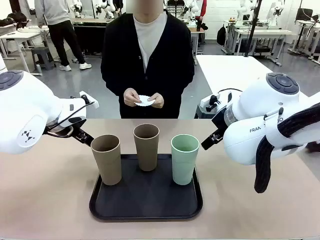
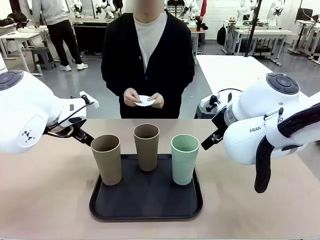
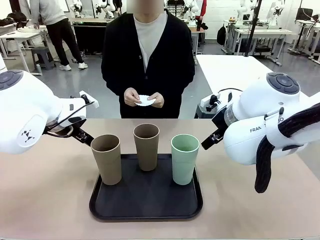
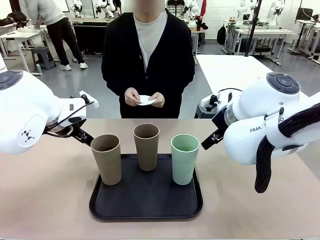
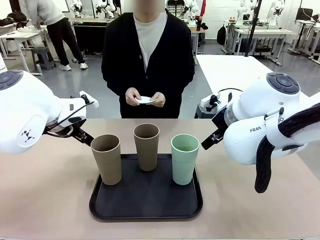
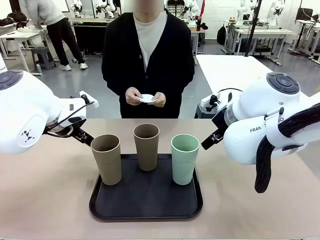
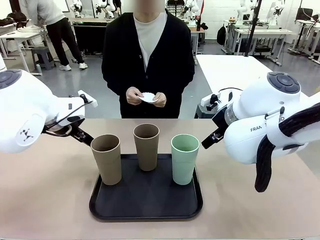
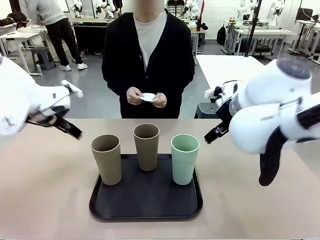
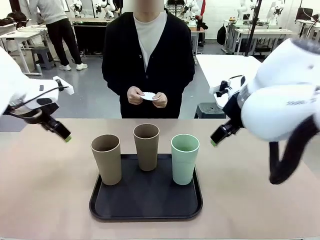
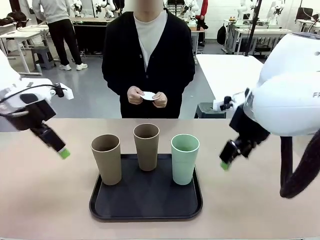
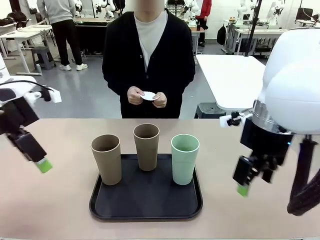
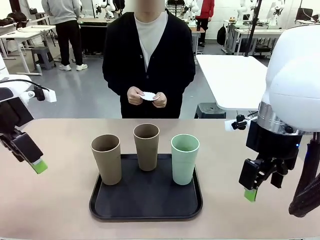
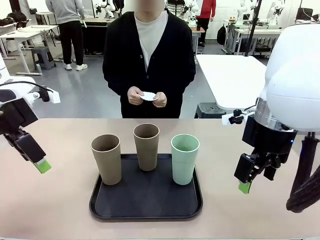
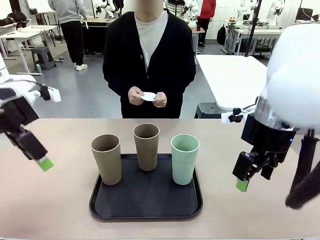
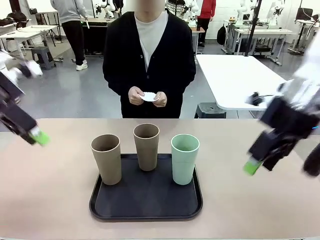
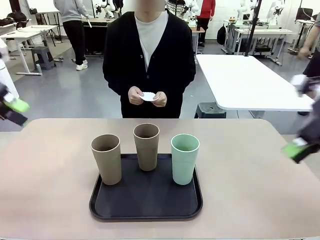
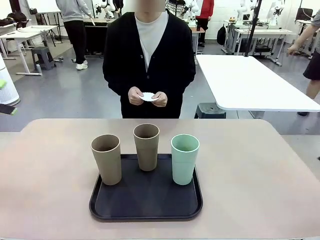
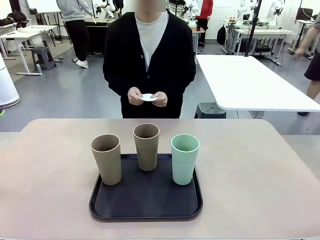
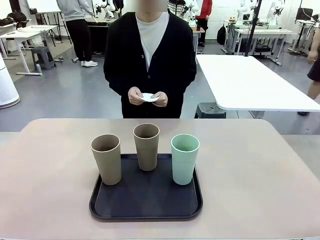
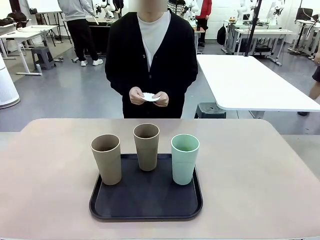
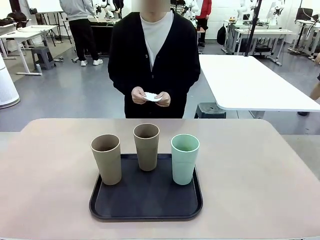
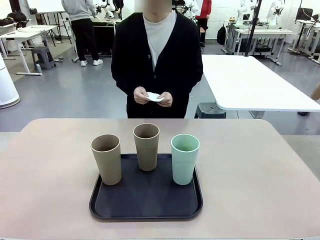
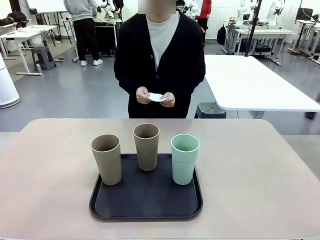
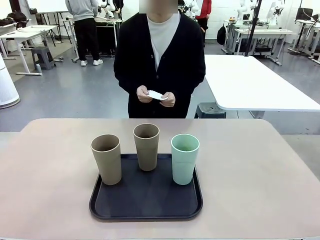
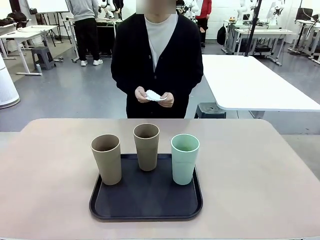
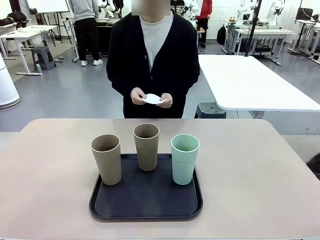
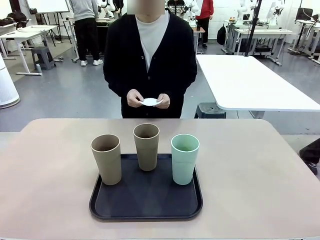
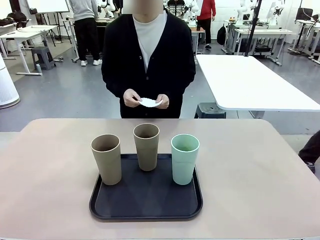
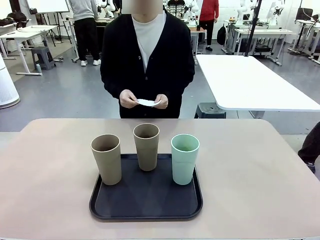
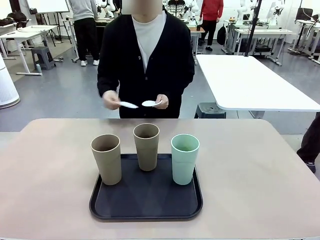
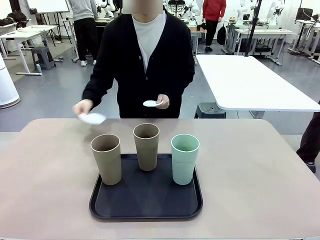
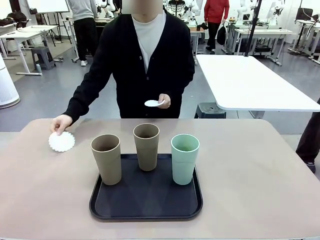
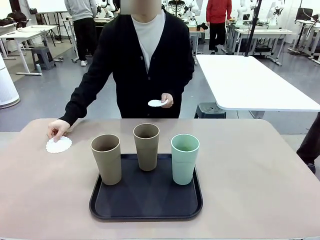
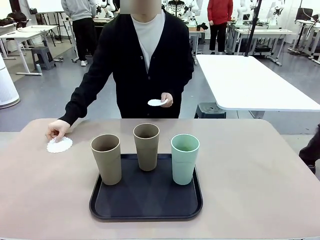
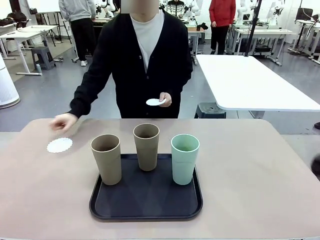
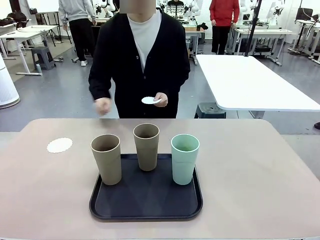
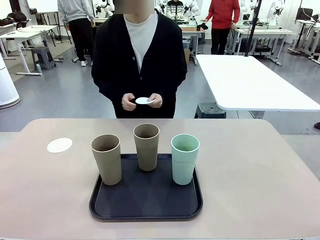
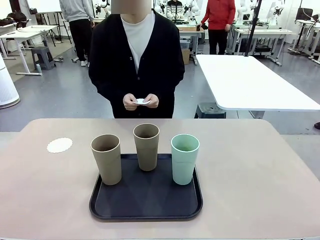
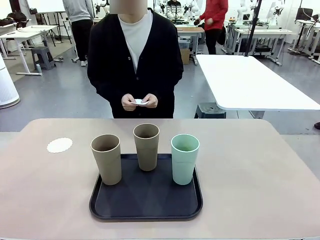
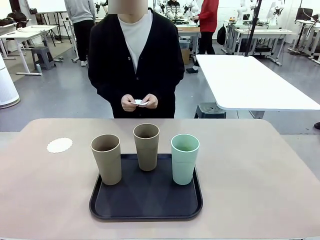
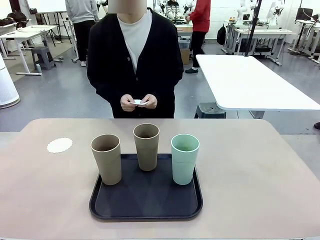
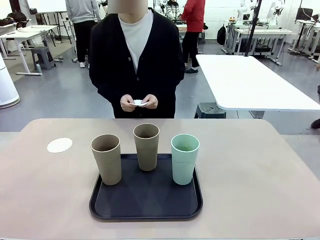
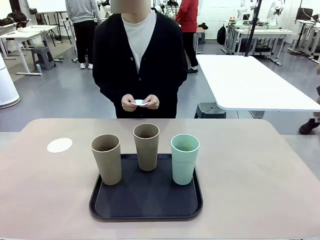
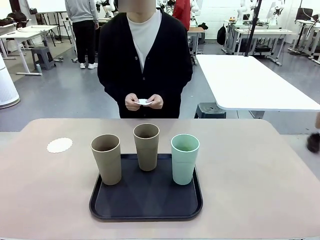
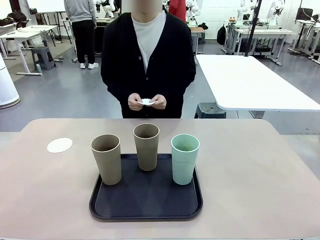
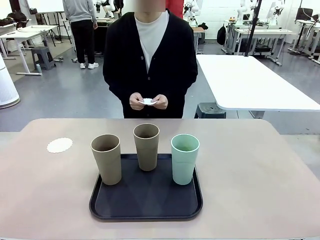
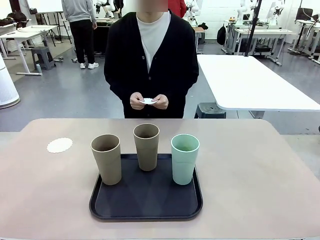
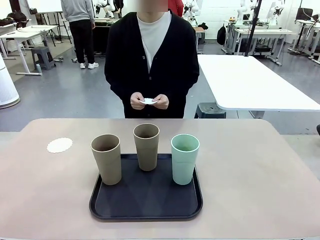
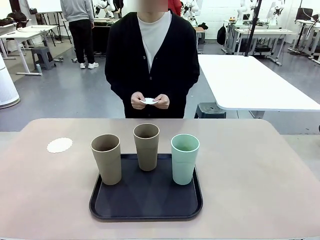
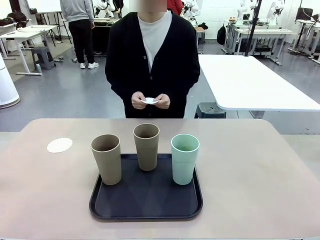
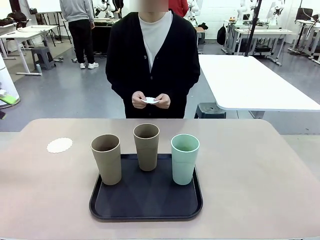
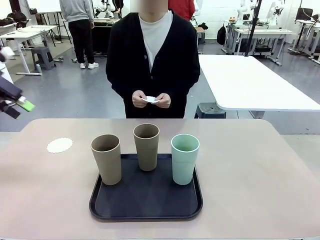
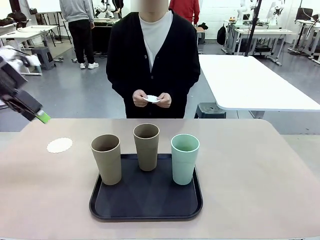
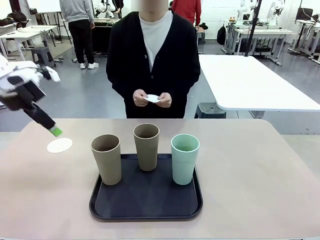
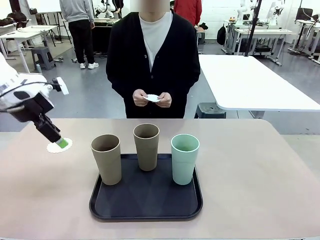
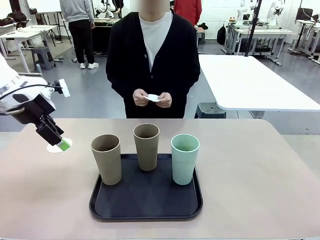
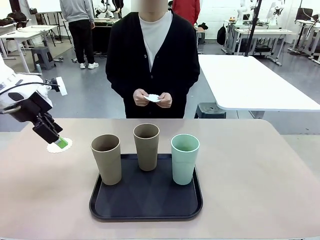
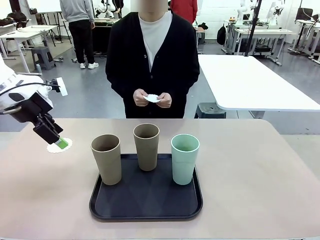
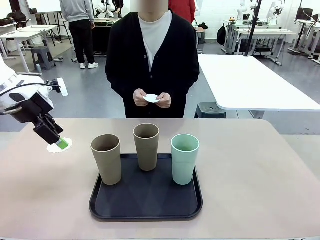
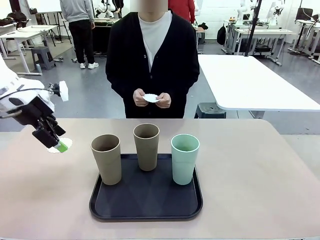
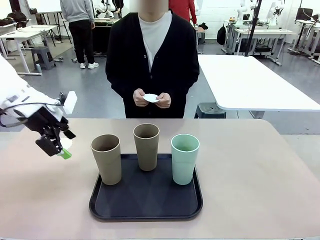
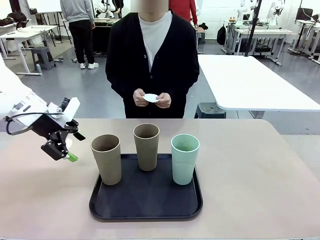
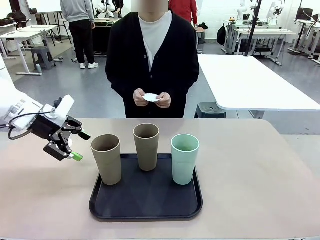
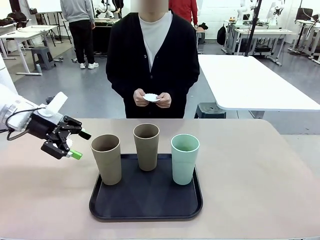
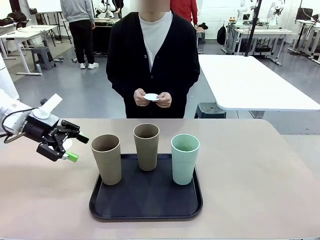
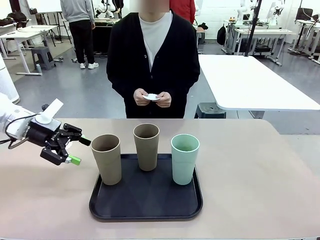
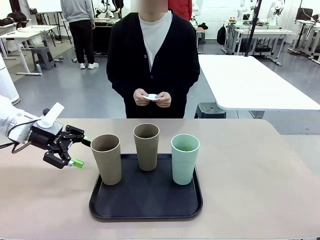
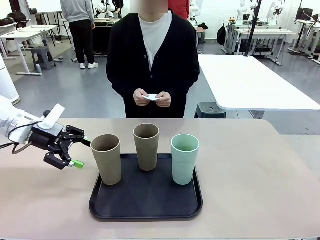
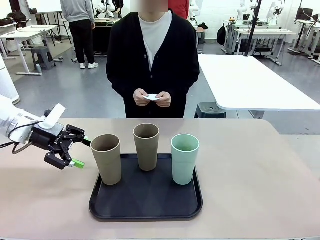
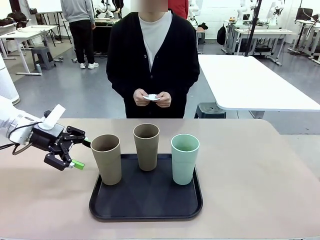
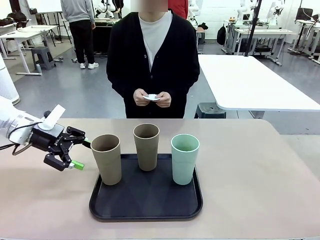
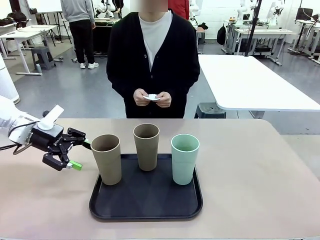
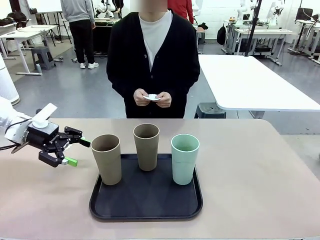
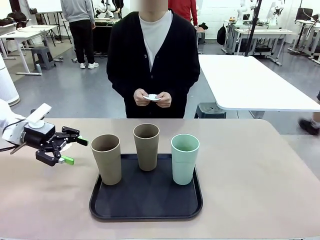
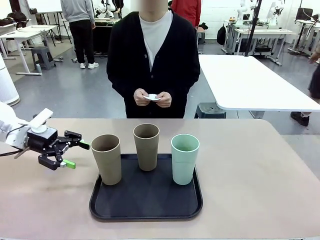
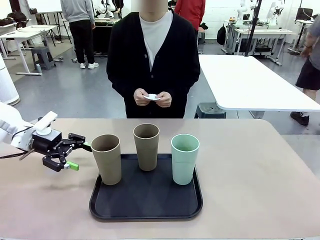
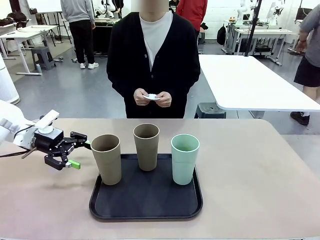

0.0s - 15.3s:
Task: Place coasters on the table and set cups on them.
Robot: Pick up one Reusable plastic cup and place it on a coaster set by the human.
Person: Place one coaster in any one of the three lower areas of the robot table (left, center, or right).

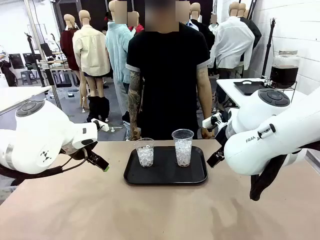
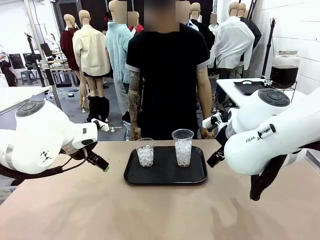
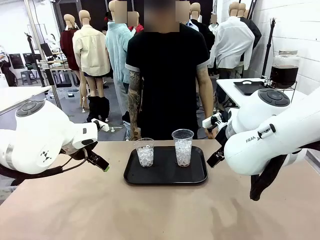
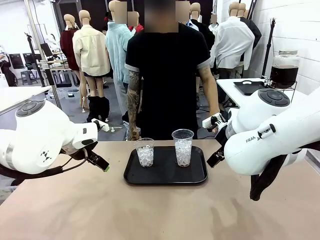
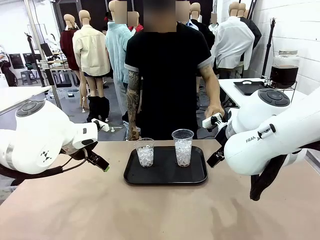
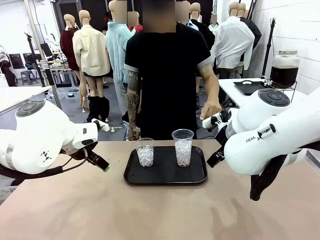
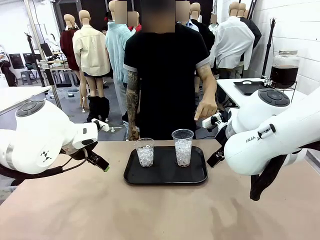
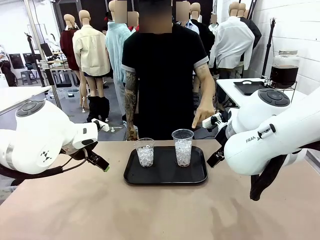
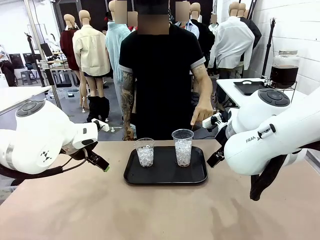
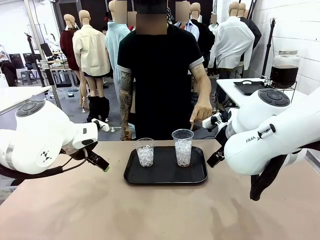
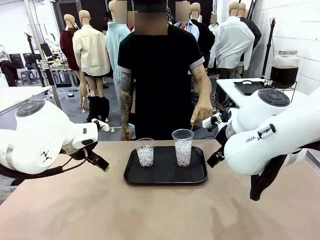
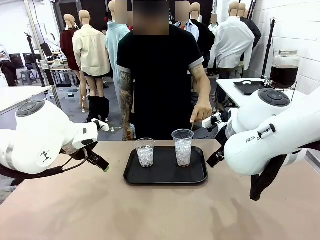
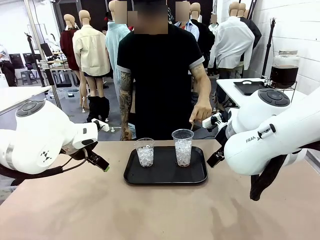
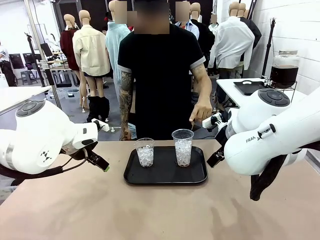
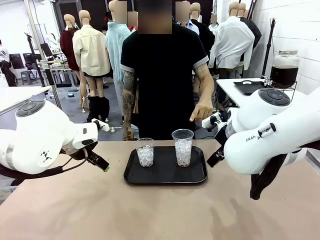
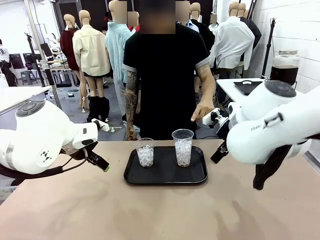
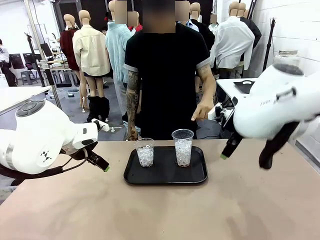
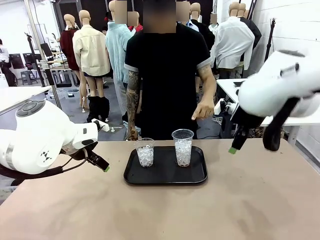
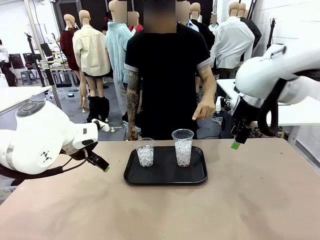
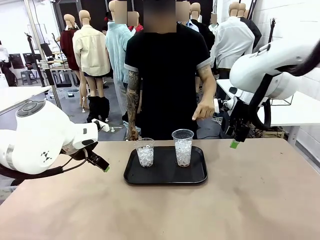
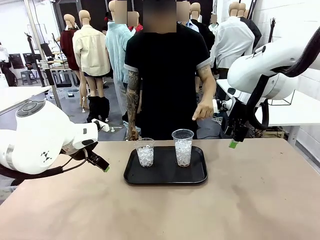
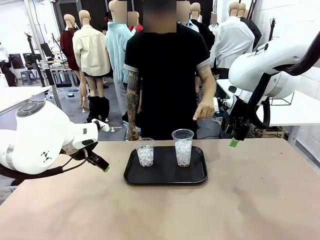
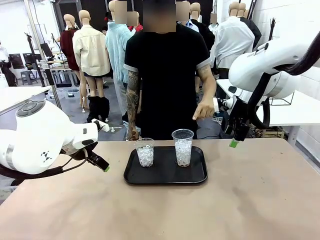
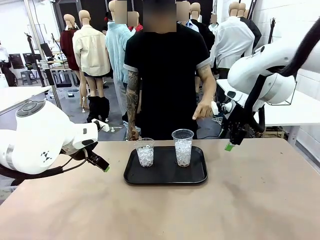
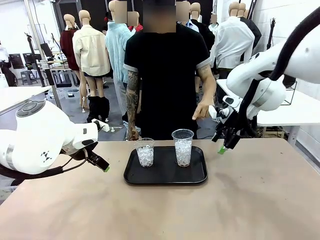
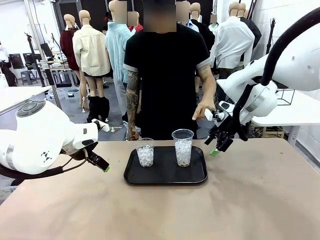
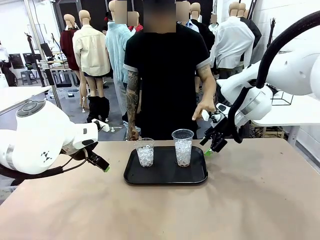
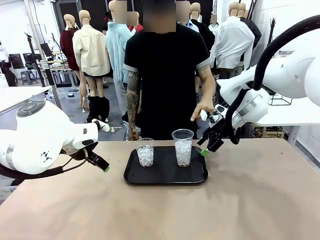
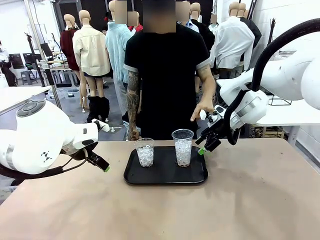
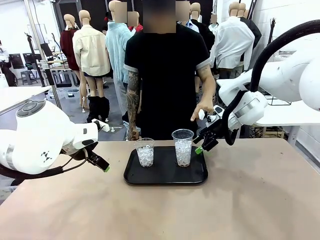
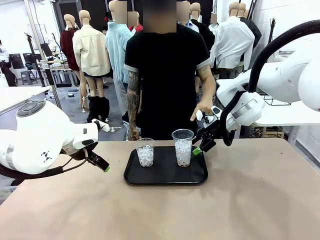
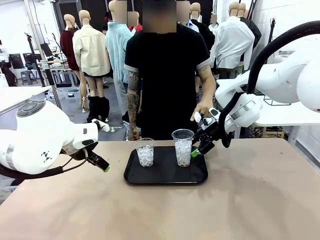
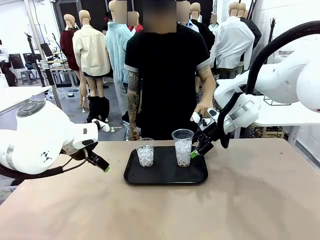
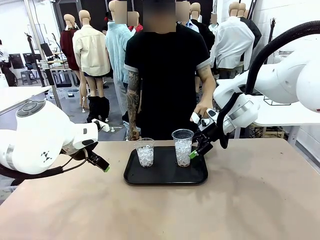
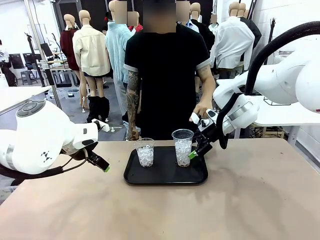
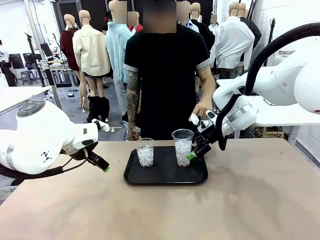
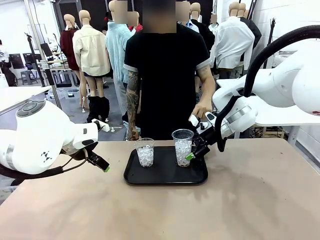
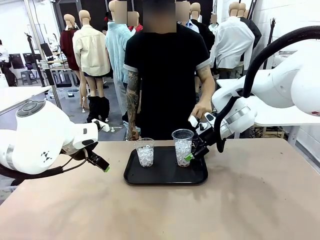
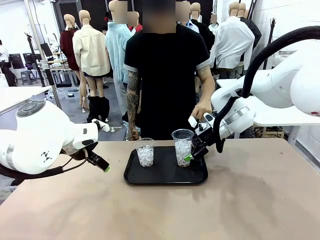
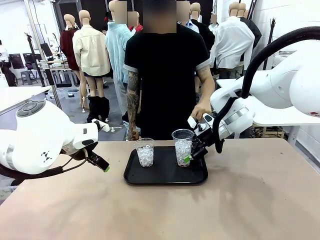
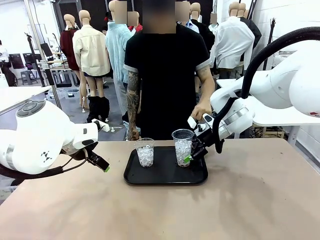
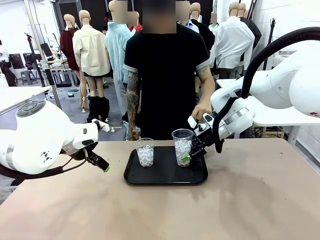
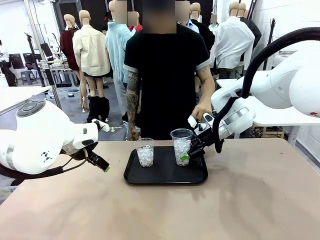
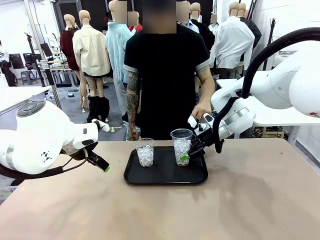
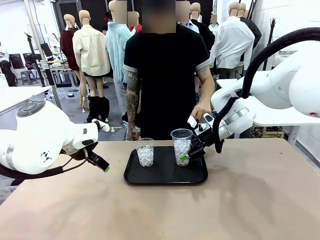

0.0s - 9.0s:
Task: Pour the drink into the iced cup.
Robot: Pick up the iced cup indicated by the human and present it to them.
Person: Point to one of the two ice cups. Pick up the cup offered by the robot.
